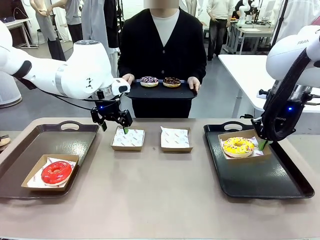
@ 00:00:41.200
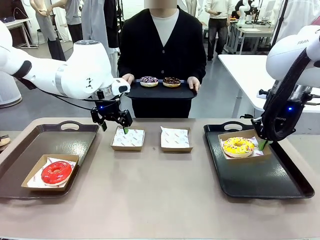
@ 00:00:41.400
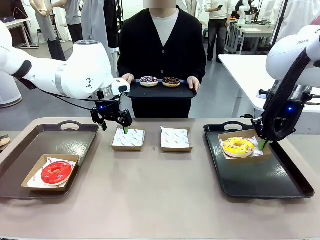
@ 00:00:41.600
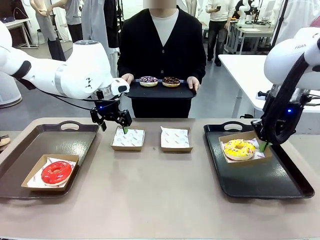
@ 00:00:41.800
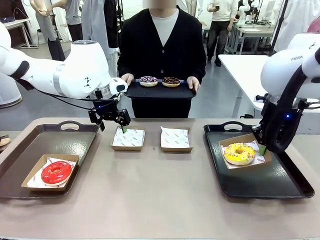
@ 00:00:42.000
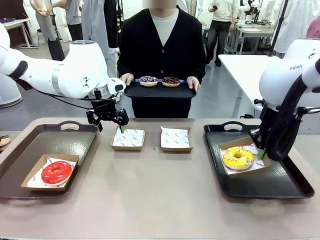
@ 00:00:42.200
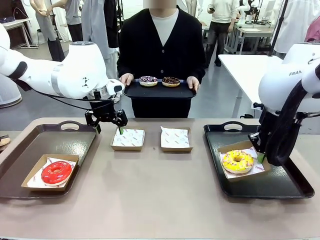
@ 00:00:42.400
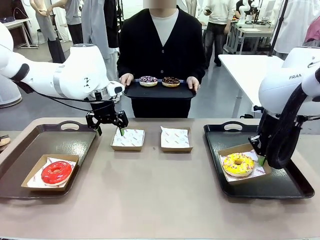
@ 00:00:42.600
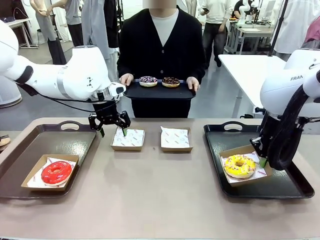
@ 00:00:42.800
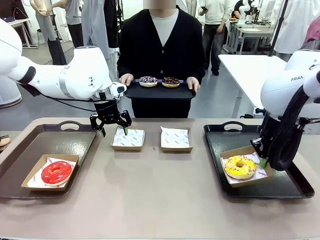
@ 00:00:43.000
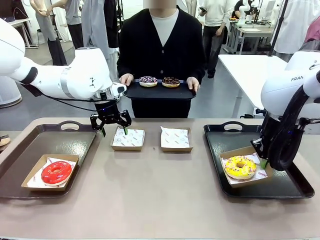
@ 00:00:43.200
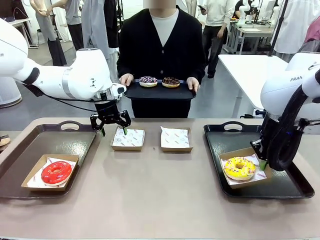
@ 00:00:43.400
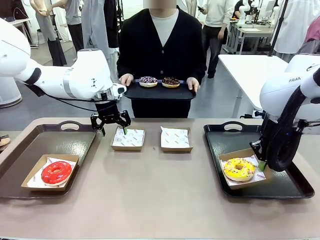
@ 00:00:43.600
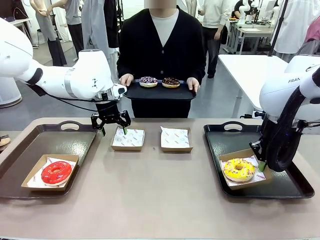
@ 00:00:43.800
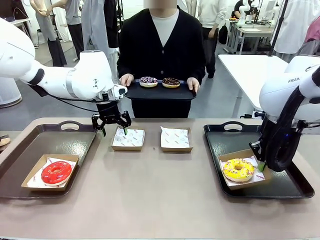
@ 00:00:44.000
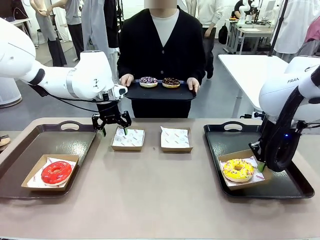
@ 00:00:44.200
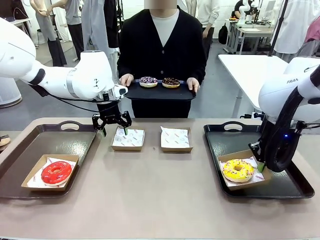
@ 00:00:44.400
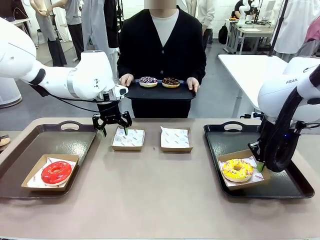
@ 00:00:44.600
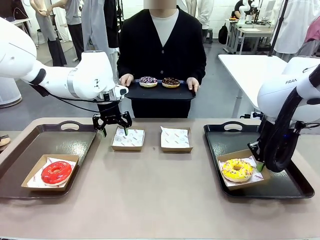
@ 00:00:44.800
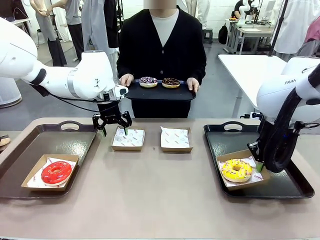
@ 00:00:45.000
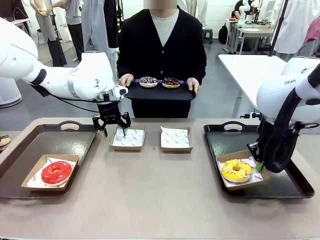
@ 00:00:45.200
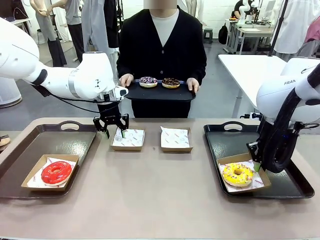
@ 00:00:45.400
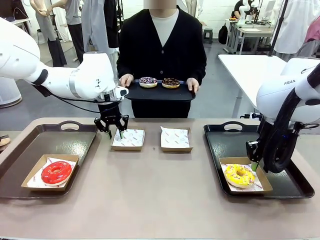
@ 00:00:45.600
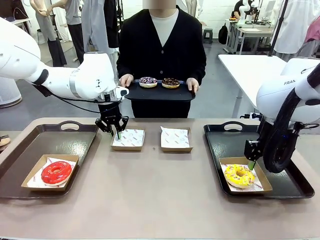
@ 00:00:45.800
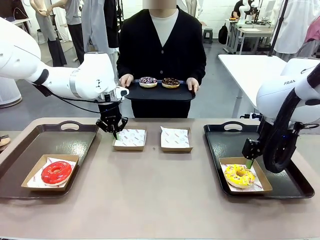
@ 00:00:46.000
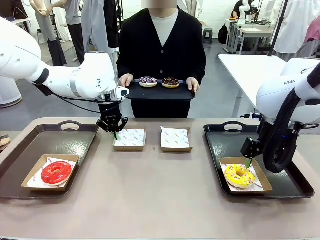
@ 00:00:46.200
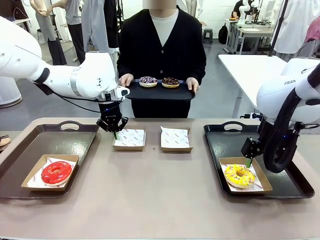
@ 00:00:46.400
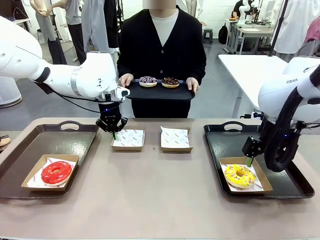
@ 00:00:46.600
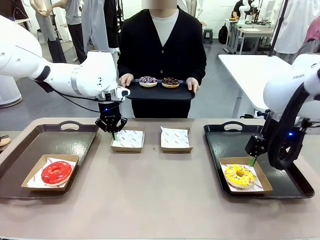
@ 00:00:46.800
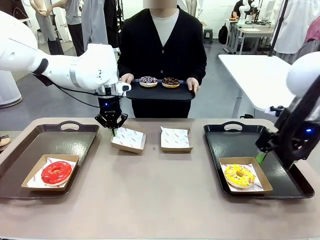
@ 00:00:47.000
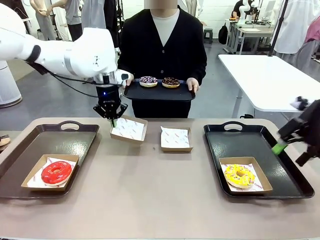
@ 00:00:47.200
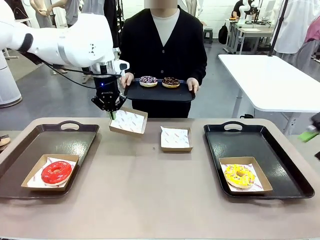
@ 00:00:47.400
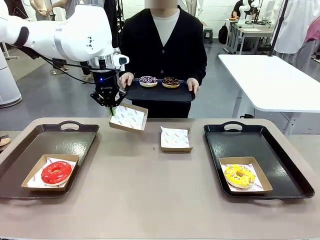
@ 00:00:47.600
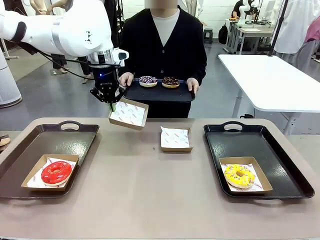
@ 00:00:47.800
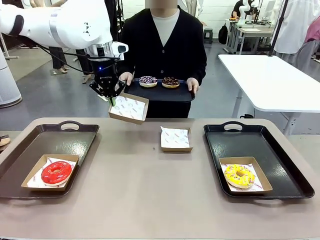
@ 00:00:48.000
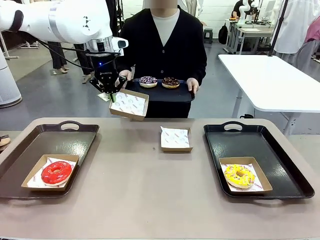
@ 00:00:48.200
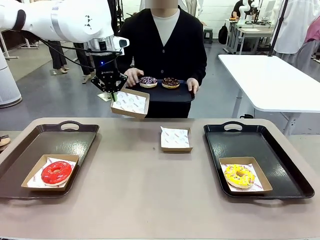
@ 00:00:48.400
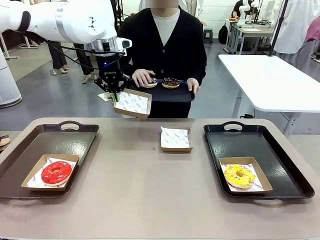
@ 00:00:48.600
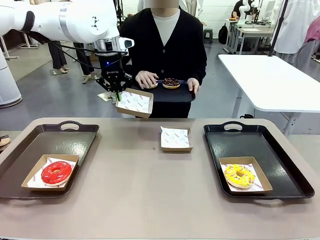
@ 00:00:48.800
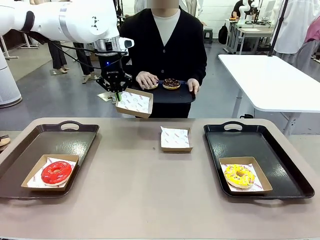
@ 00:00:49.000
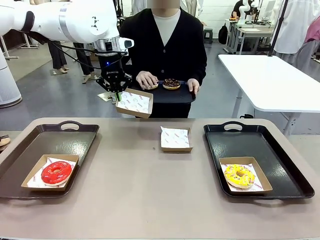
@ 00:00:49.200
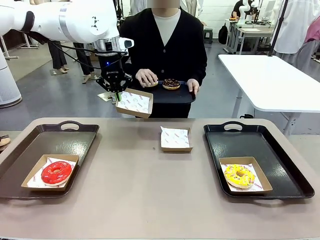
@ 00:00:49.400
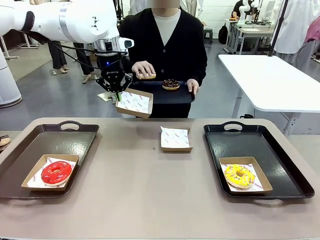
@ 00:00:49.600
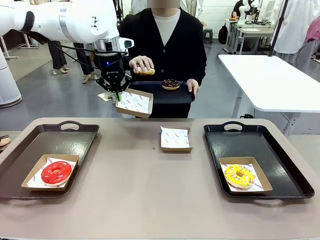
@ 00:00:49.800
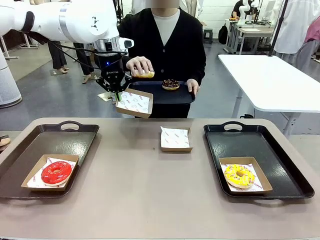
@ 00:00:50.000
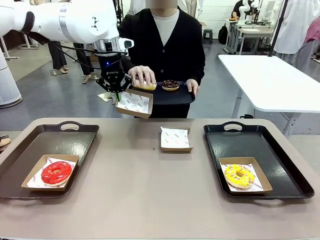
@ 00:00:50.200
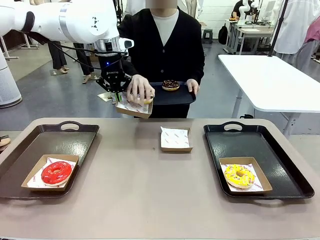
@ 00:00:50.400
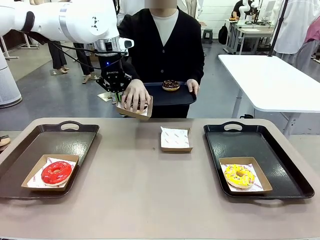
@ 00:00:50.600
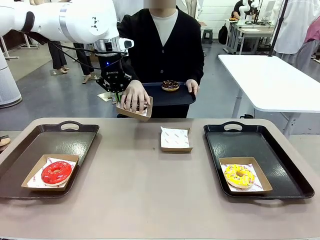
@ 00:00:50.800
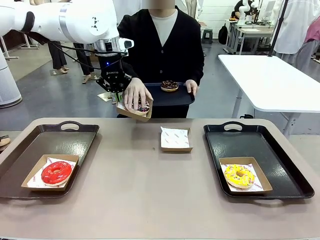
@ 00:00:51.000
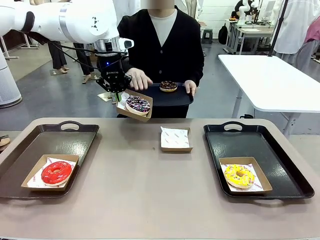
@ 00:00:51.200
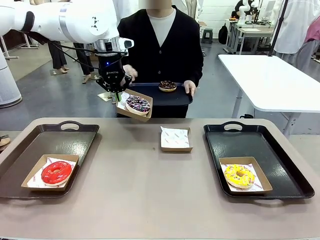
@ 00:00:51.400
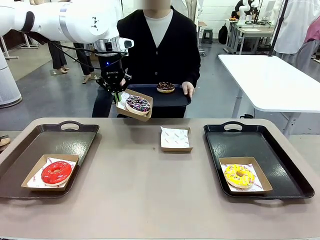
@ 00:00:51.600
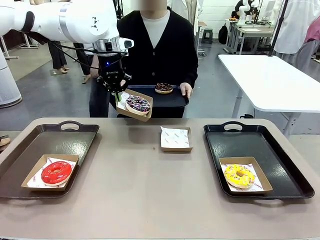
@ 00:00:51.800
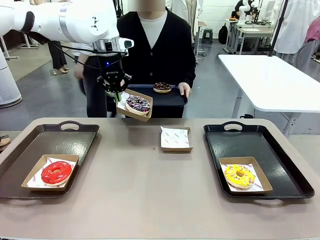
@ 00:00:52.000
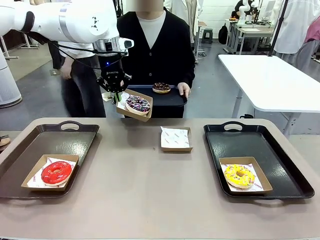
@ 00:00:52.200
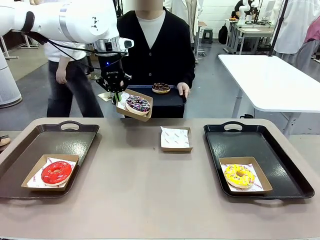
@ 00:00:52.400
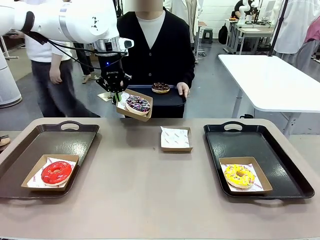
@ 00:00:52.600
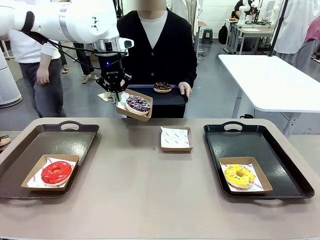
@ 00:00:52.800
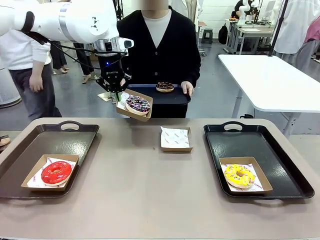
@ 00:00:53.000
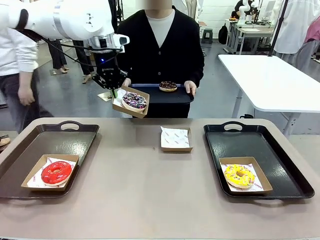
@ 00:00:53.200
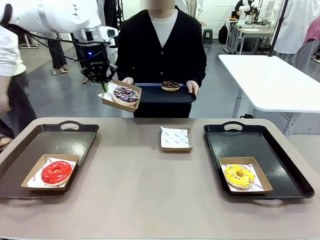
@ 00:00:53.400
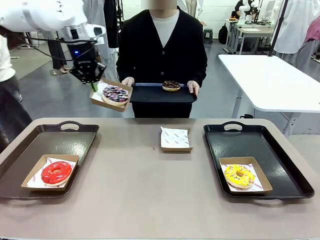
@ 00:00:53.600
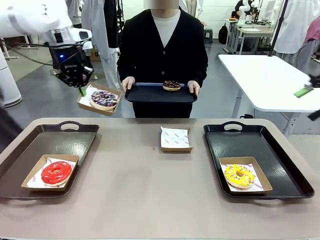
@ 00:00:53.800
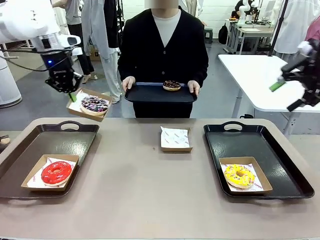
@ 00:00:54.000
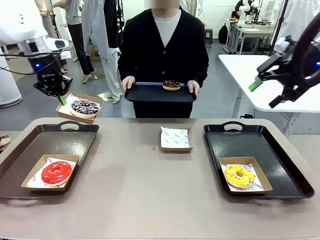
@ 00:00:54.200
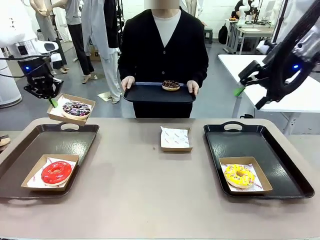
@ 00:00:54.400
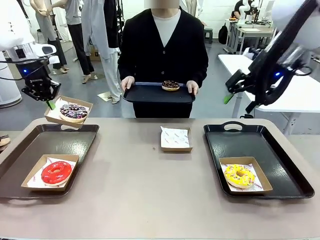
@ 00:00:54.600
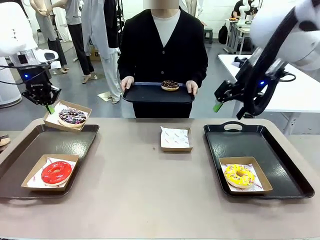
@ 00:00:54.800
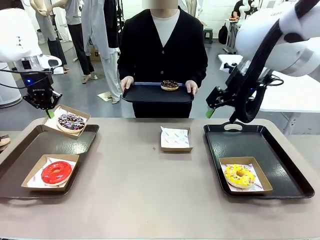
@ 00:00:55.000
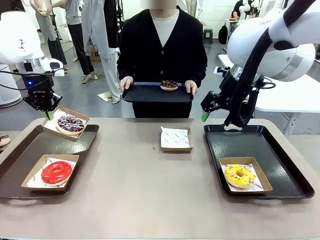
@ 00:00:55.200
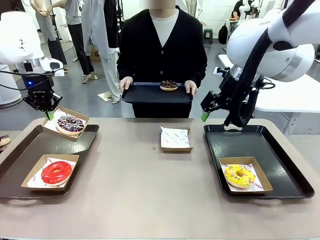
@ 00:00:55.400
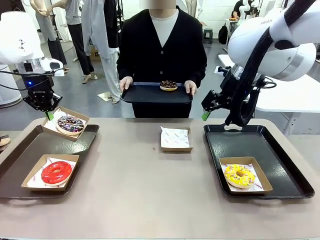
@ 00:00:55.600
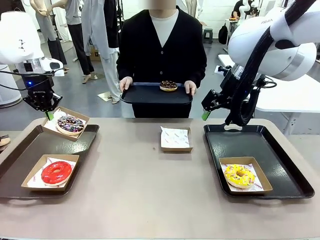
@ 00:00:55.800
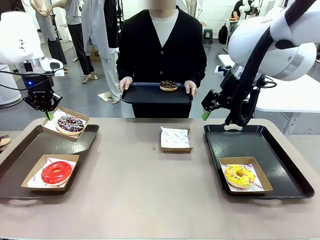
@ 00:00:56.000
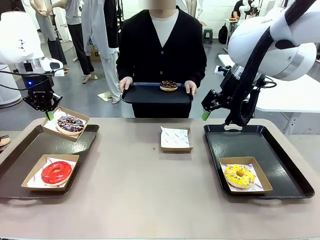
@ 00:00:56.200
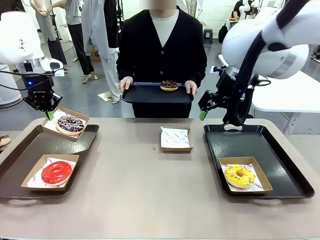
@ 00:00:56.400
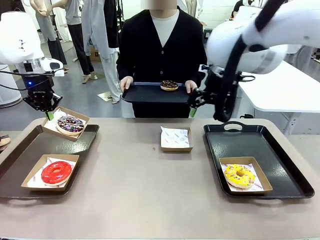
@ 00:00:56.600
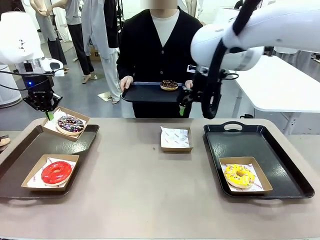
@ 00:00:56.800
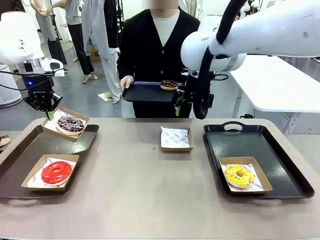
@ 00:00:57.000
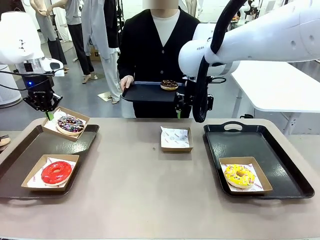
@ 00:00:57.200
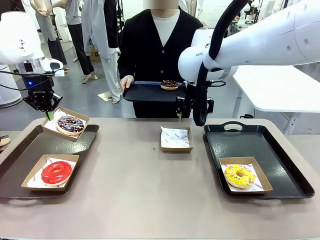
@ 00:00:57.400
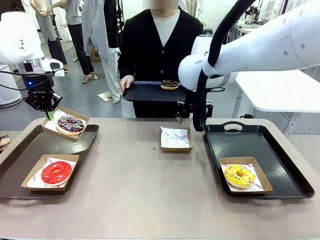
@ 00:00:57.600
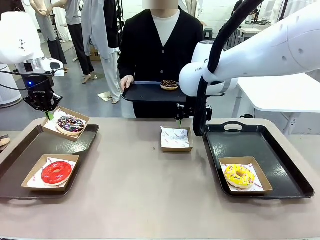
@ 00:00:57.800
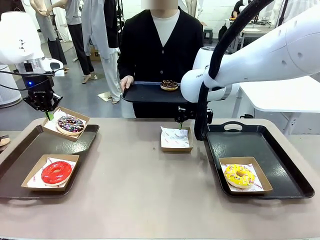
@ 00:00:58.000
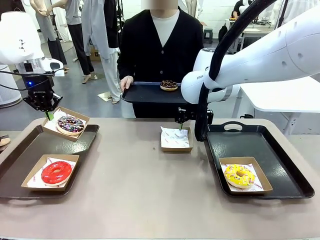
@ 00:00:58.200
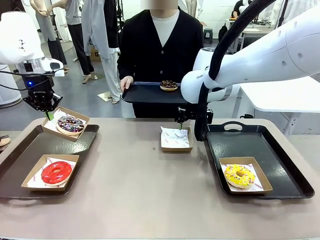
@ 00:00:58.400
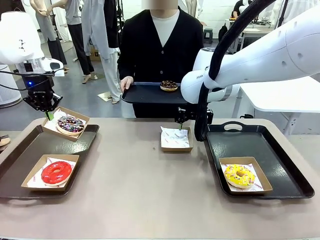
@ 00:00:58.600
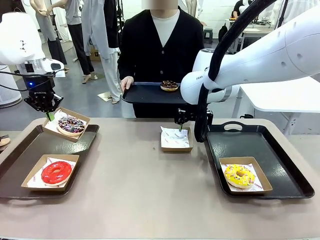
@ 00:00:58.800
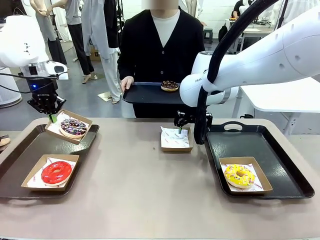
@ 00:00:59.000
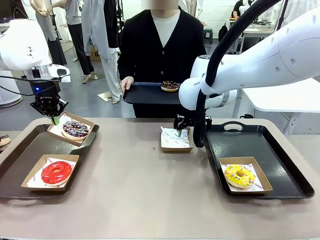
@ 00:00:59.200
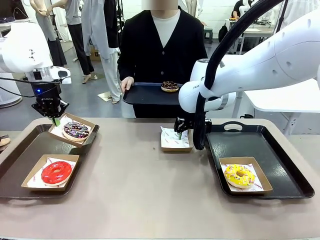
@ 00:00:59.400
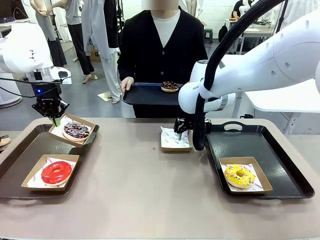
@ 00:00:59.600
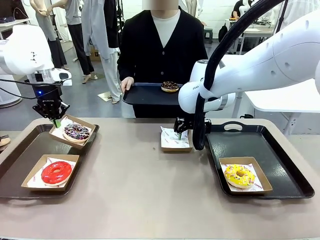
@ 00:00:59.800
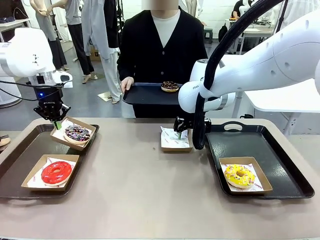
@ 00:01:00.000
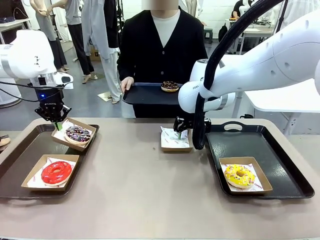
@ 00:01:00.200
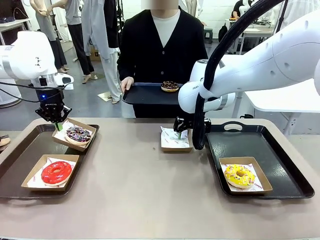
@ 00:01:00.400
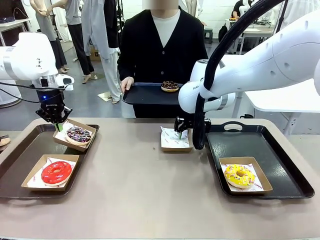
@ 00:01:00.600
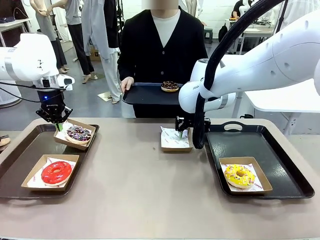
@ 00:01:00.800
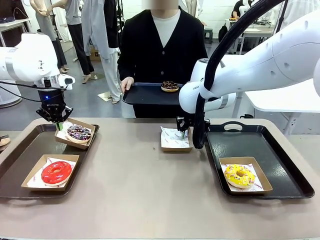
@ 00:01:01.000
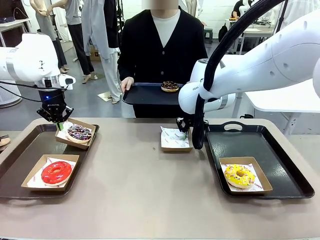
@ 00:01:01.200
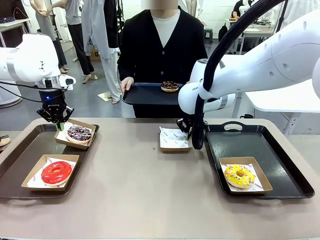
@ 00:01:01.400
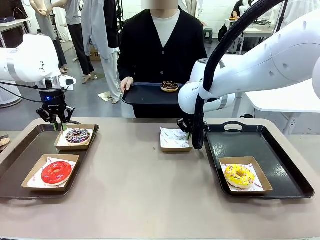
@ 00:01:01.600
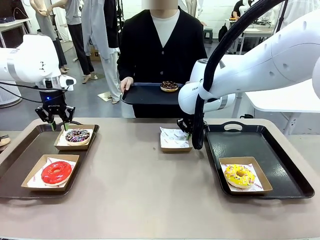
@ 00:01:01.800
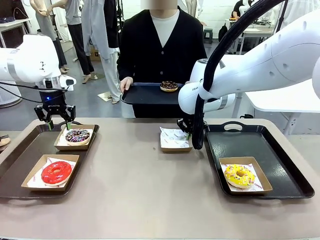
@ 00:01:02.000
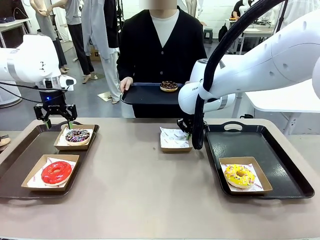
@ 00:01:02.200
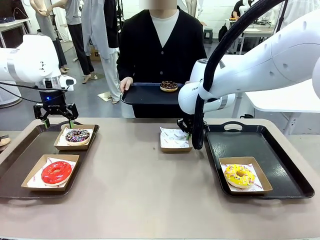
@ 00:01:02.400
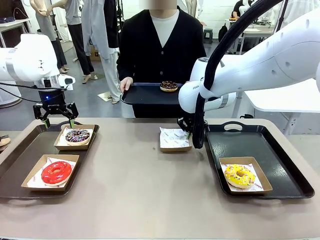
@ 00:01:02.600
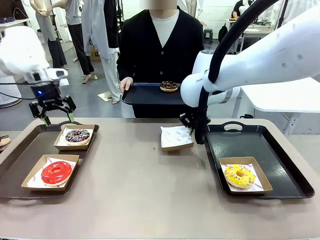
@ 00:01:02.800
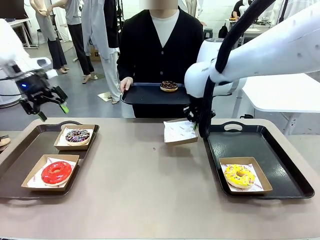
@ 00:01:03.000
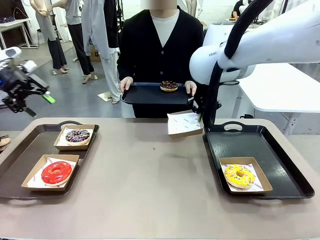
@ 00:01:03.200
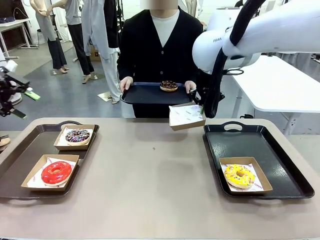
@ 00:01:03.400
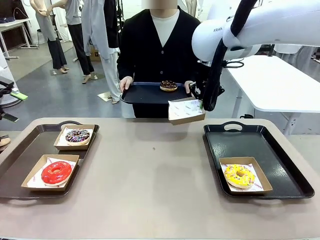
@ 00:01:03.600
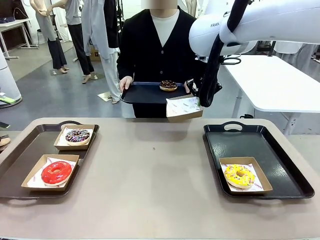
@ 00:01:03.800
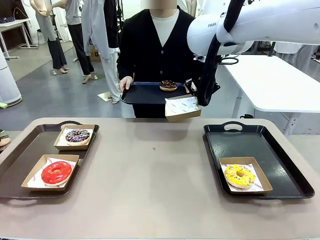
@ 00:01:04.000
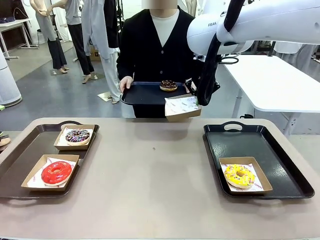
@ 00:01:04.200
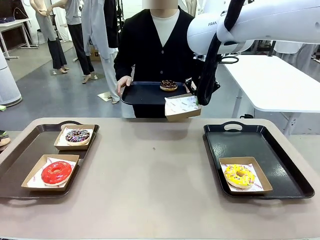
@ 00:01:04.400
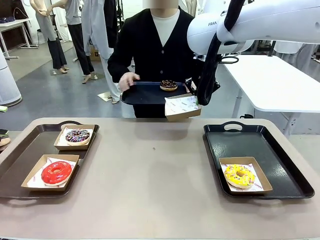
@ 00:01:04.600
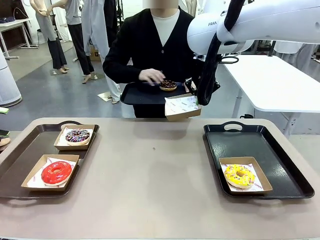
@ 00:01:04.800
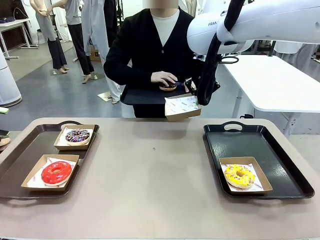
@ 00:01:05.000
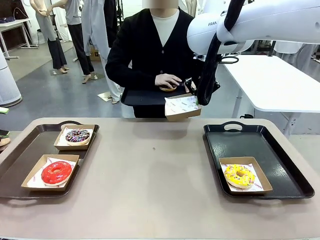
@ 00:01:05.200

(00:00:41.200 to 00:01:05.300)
Task: Individually package the donuts and arrange them on the tray.
Robot: Place the picked Paper togo box on the Handle tray while simultaneously picking up another Paper togo box from the table with the other hand.
